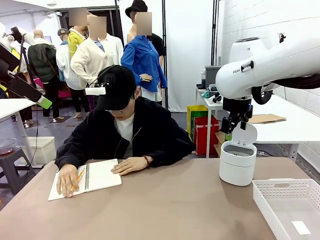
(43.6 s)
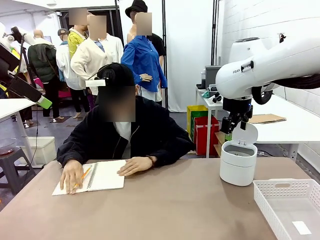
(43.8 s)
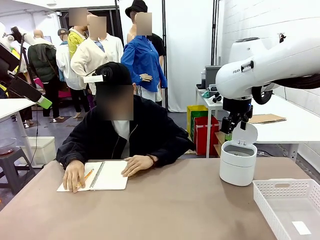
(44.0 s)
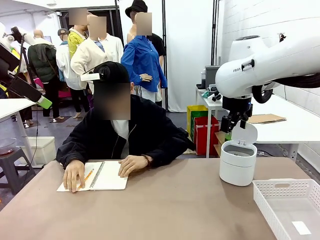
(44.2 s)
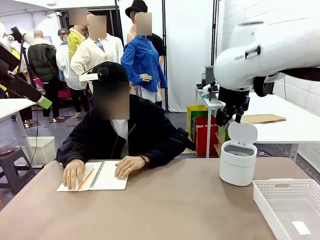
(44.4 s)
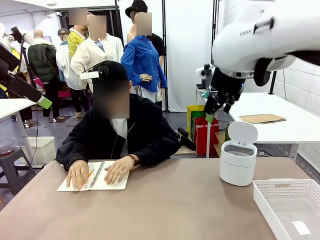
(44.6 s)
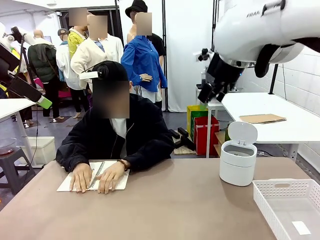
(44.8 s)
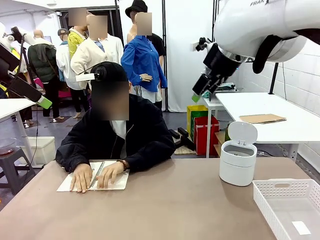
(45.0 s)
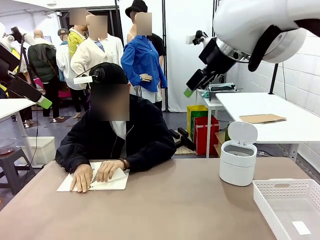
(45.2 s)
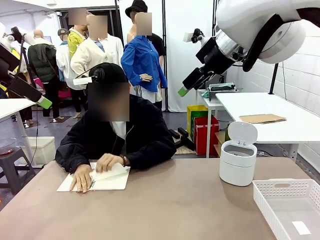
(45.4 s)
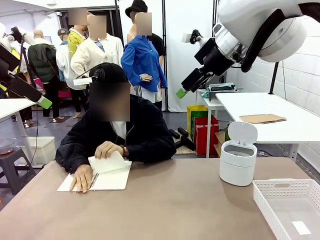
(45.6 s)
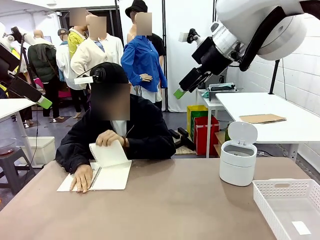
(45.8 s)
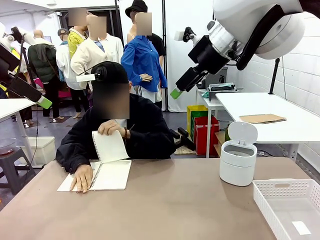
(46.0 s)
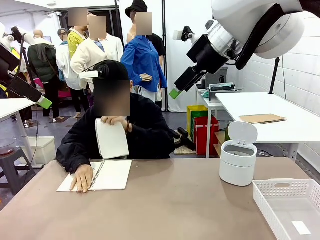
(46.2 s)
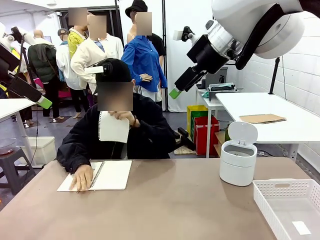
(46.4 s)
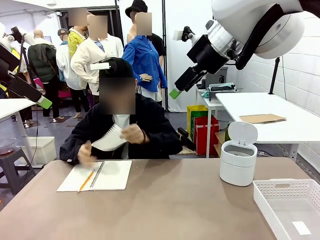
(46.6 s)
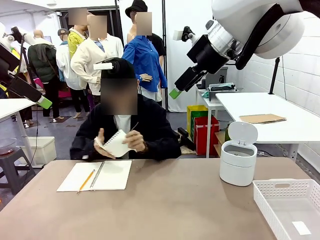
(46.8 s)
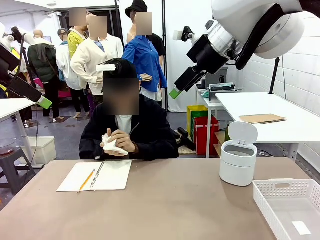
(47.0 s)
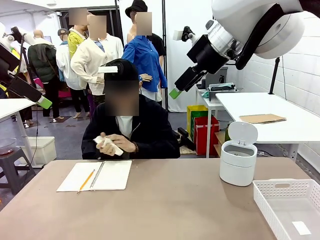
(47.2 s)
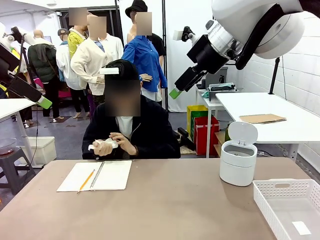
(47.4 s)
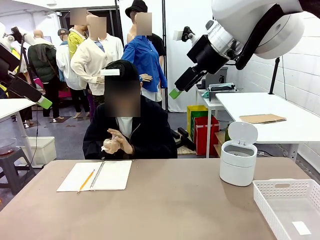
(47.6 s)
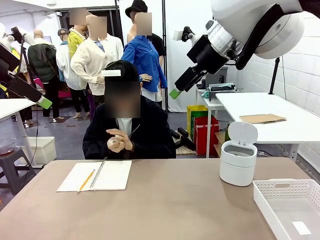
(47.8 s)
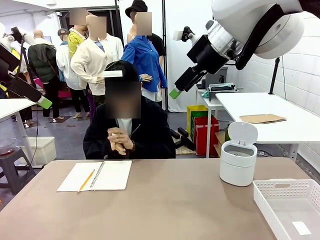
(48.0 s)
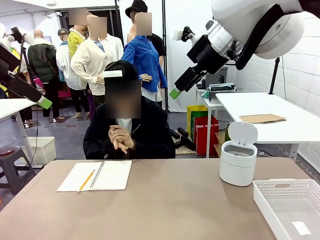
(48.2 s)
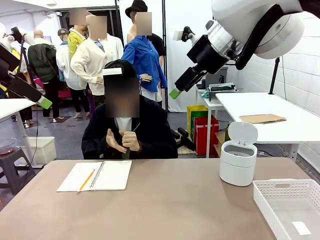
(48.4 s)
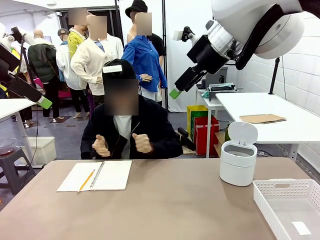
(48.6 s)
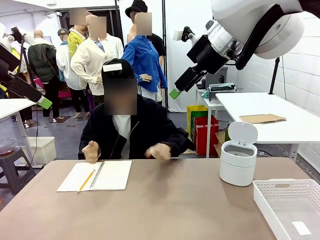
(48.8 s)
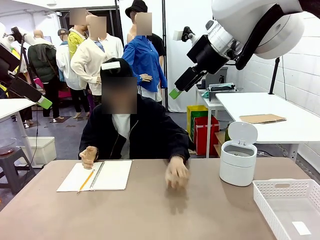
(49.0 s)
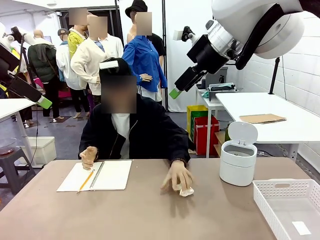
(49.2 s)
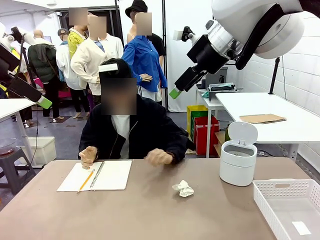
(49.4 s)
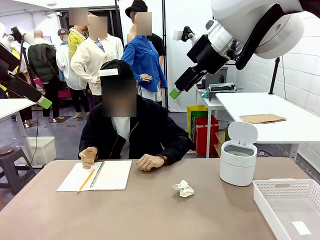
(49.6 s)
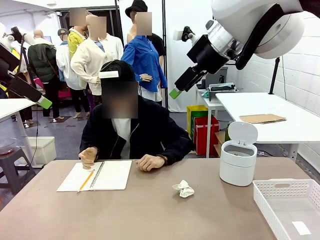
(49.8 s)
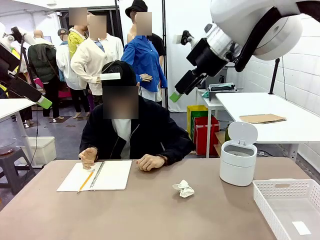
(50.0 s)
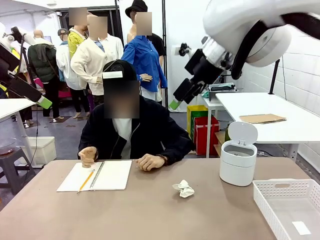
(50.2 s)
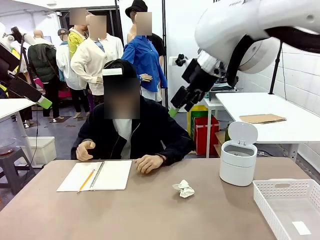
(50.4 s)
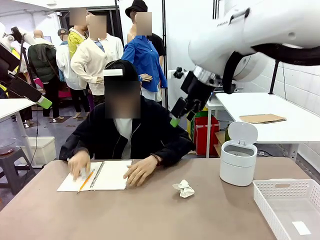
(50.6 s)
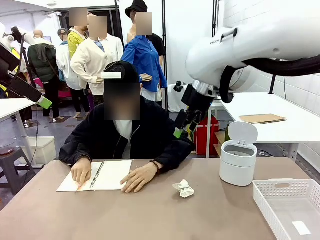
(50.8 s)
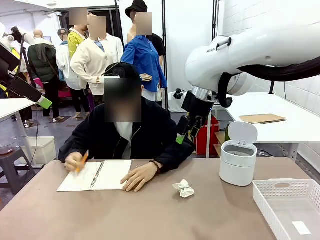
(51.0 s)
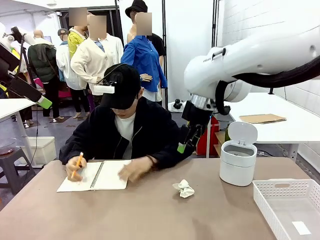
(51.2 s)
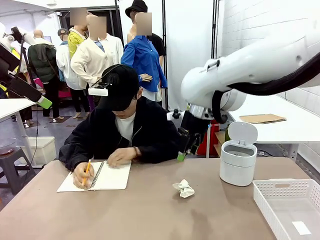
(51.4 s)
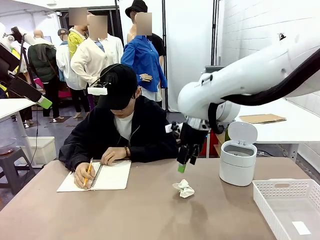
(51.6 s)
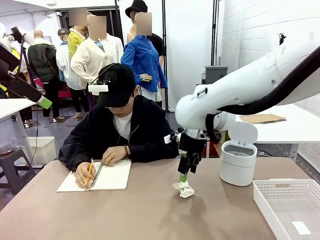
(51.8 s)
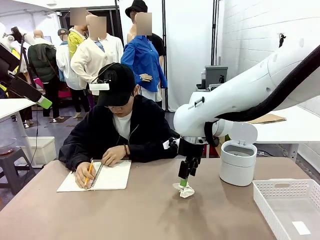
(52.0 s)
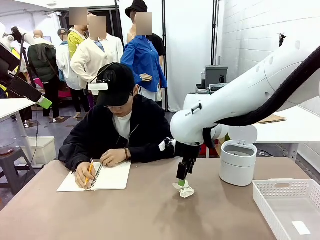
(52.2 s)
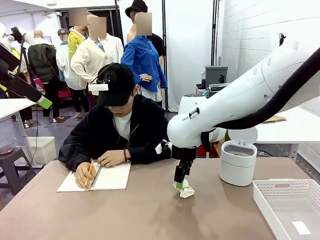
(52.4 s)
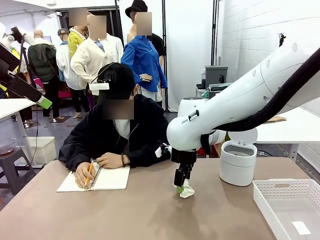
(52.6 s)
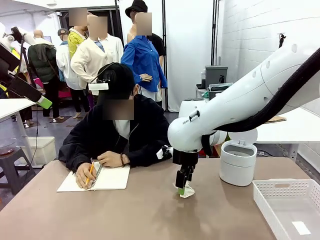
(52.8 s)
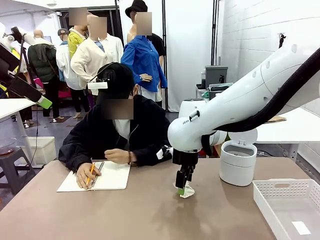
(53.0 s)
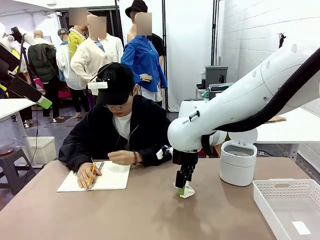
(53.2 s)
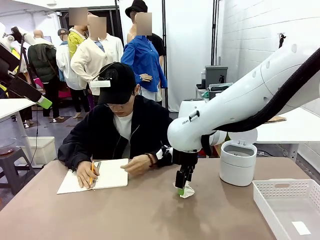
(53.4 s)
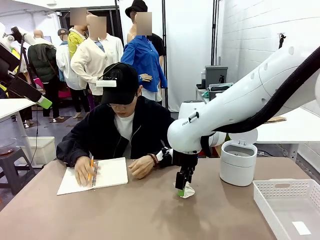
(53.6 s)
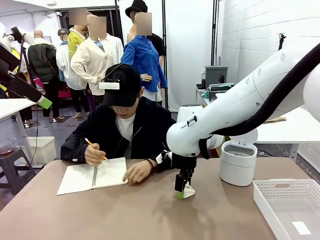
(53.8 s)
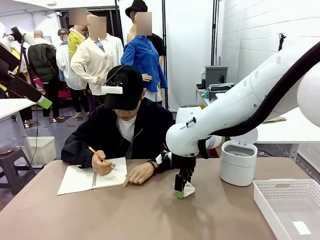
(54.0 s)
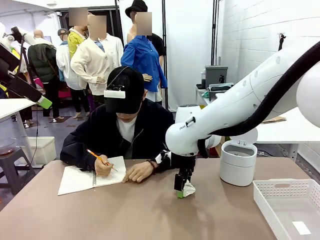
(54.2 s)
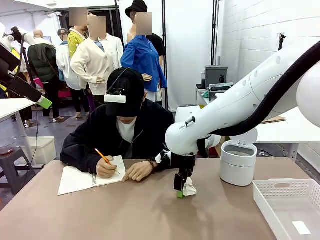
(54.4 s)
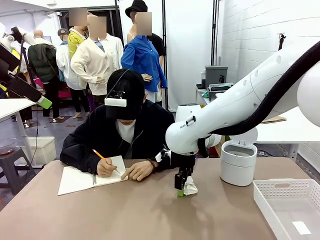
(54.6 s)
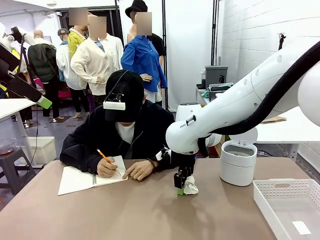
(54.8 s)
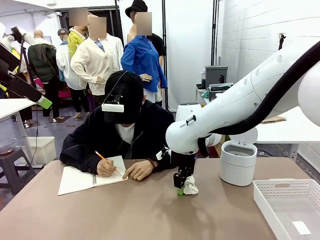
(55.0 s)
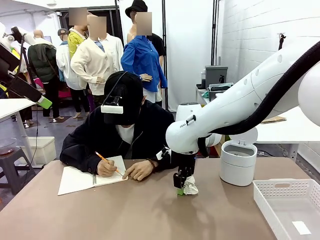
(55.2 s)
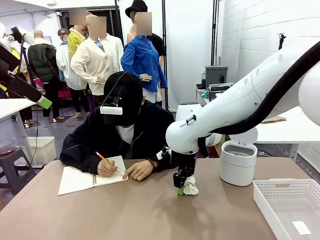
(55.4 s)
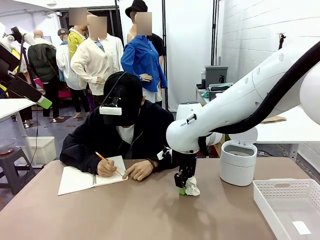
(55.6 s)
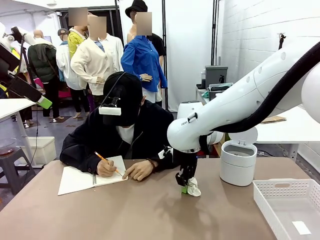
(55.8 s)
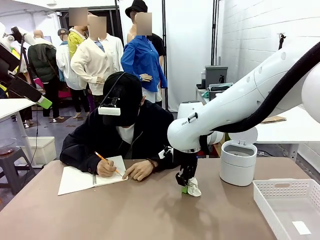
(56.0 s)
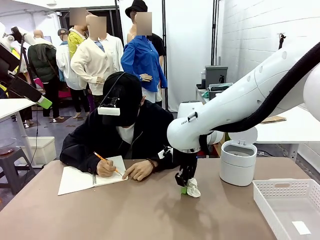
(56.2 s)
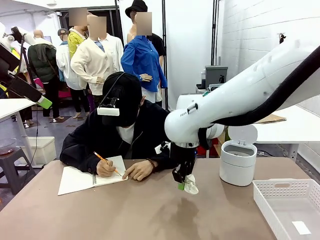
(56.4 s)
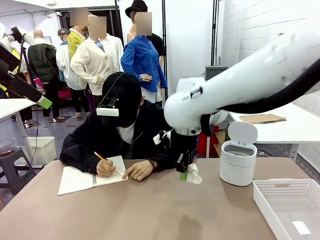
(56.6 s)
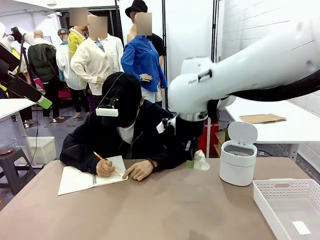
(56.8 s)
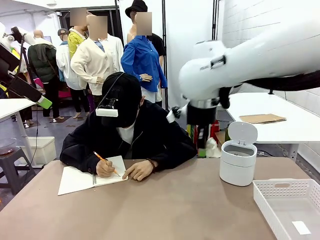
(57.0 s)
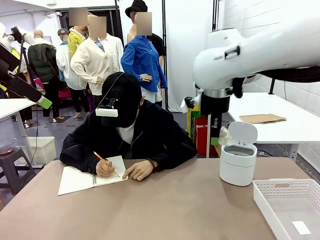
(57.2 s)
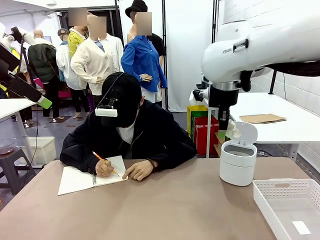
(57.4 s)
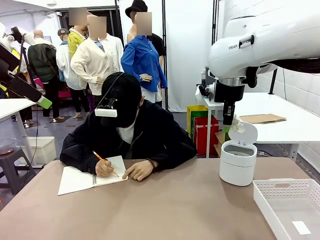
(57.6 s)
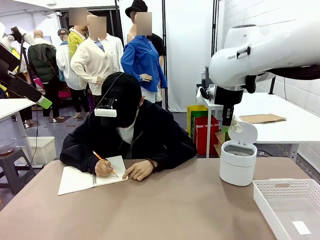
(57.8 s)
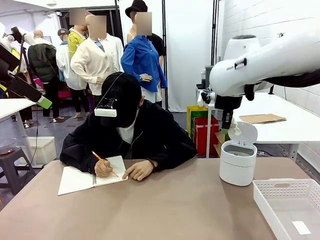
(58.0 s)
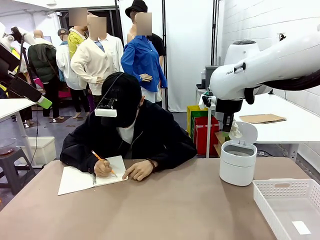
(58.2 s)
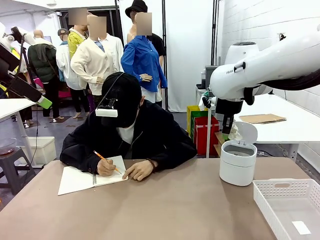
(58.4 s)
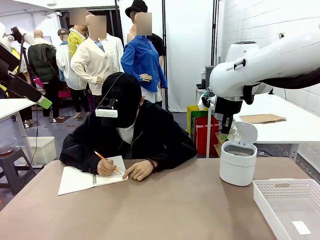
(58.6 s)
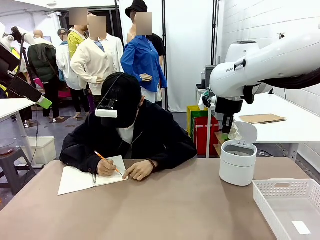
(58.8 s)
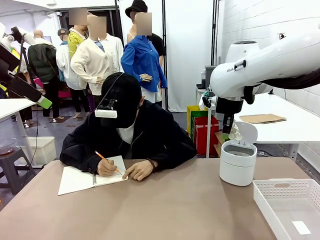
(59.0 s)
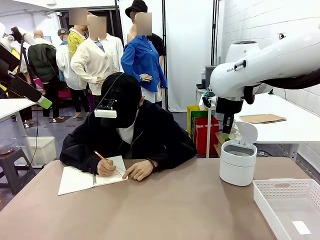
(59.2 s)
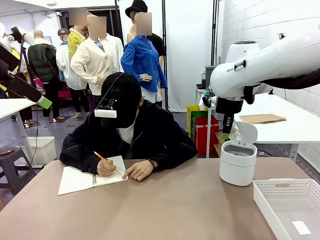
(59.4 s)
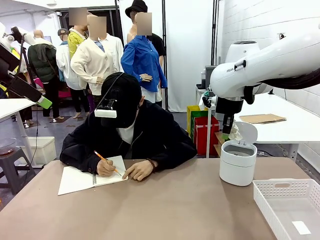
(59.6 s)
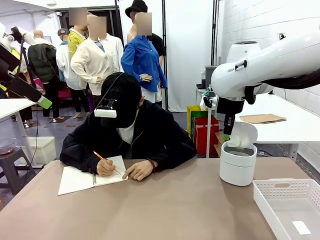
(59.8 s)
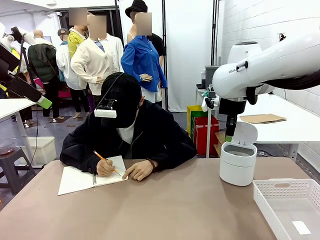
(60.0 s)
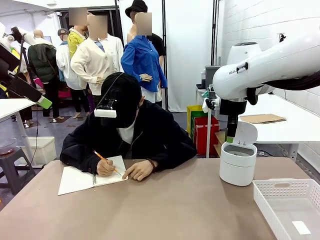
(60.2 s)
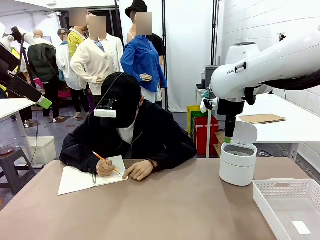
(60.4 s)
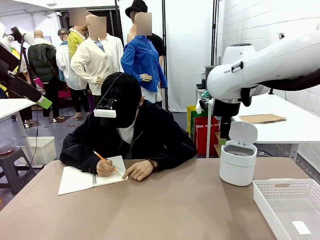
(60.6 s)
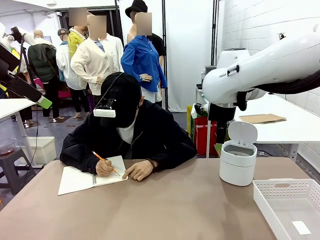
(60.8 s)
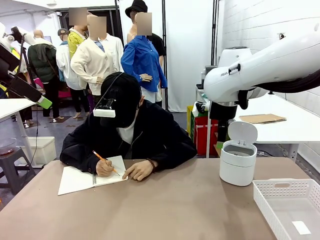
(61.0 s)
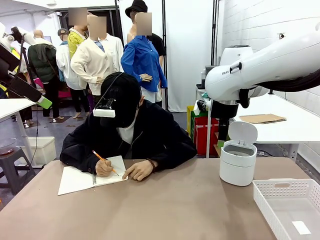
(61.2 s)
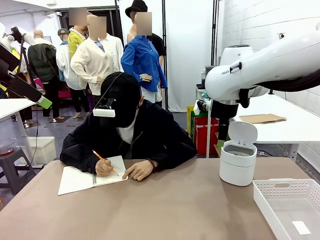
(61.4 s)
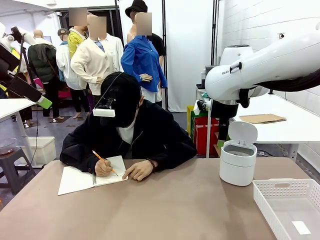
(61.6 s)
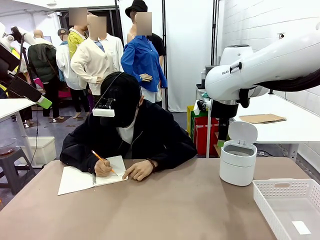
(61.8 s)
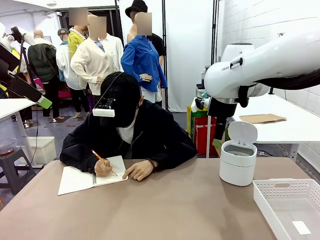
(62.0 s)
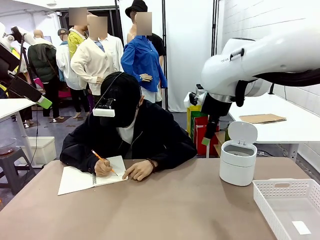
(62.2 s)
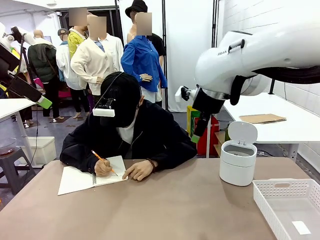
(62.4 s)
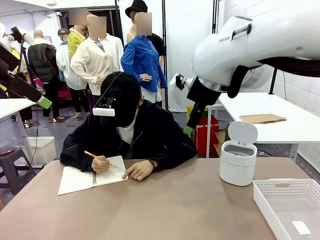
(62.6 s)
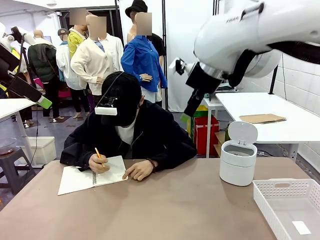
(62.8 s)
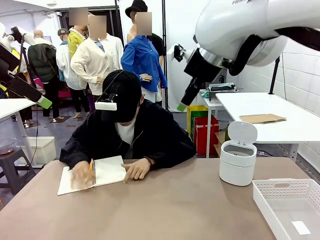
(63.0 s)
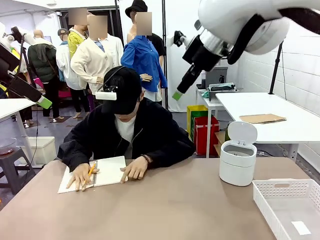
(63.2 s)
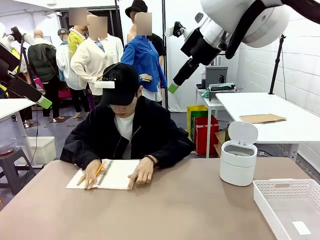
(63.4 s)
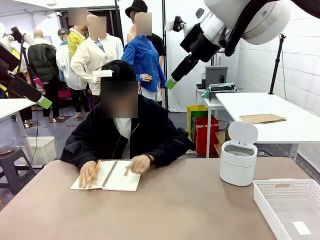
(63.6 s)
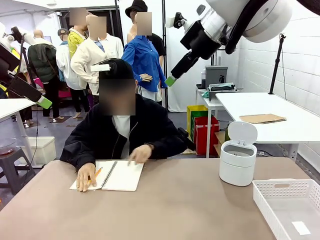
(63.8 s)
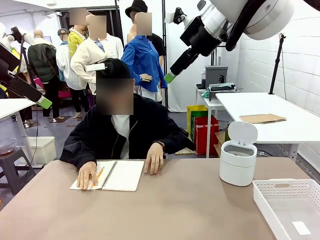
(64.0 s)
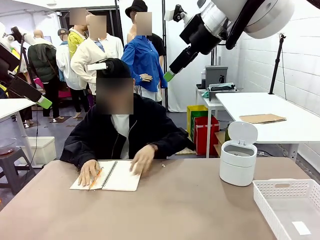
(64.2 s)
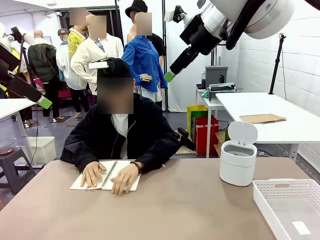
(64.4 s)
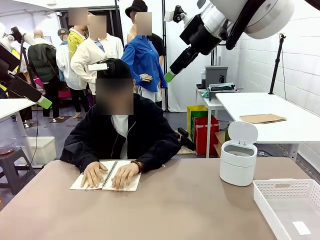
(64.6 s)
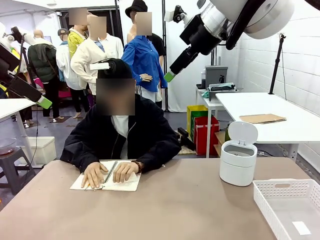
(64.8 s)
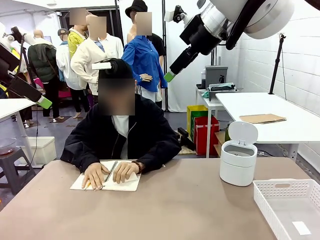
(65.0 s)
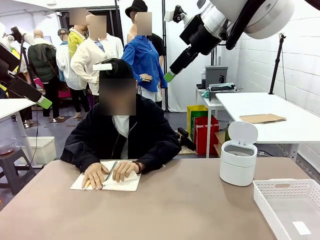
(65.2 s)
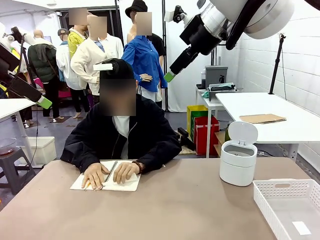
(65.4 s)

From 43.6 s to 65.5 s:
Task: Sort the paper based on its condition.
Robot: If a person hands you a paper, place it in the Organizing basket , and if it's crumpled, put it in the Trash can.
Person: Hand the torn page to the robot or crumple it and throw it to the center of the table.
